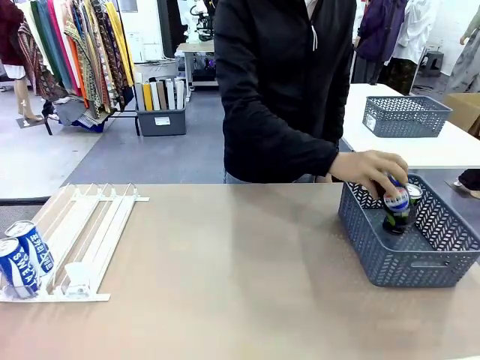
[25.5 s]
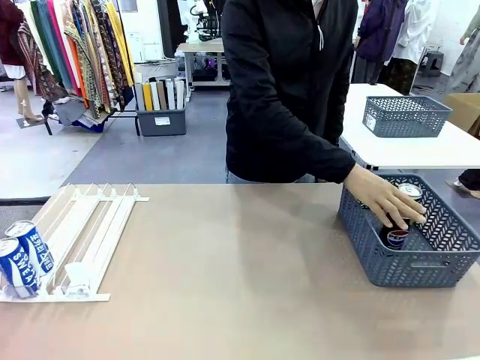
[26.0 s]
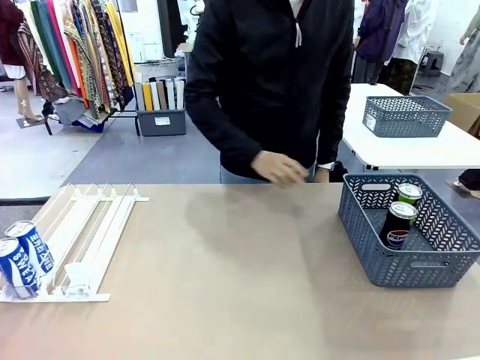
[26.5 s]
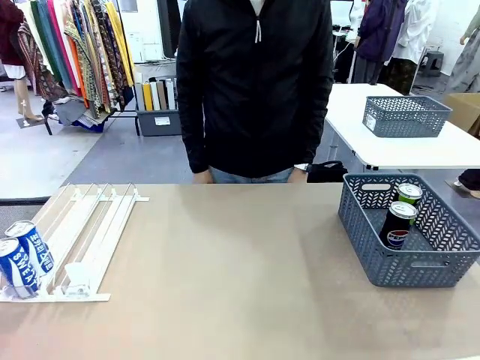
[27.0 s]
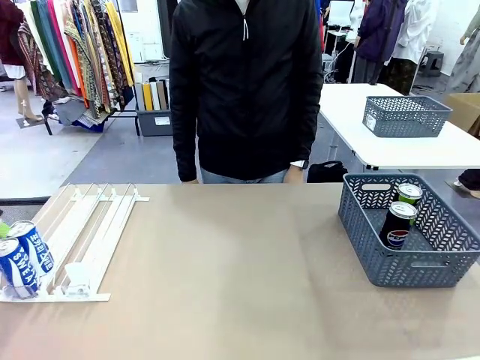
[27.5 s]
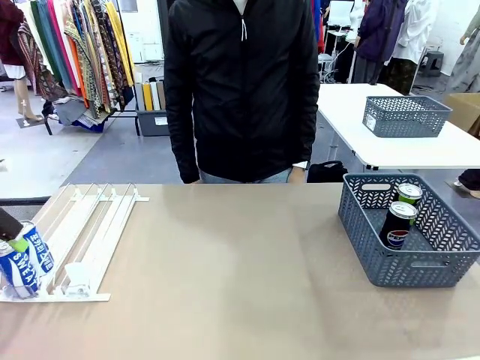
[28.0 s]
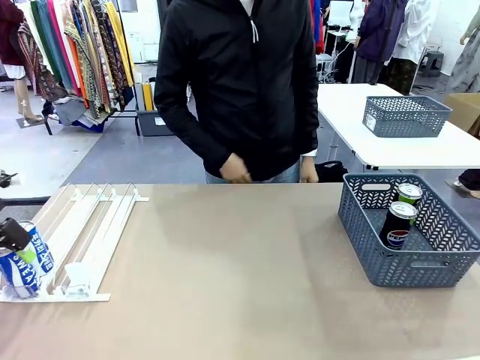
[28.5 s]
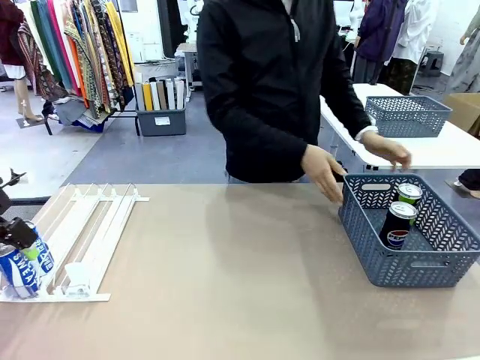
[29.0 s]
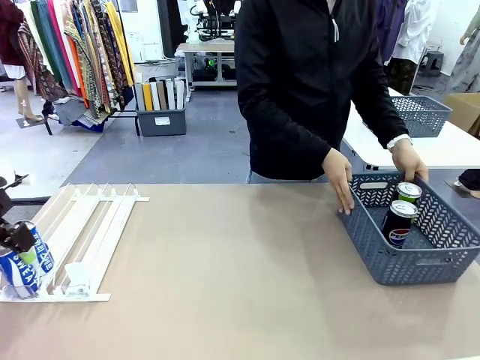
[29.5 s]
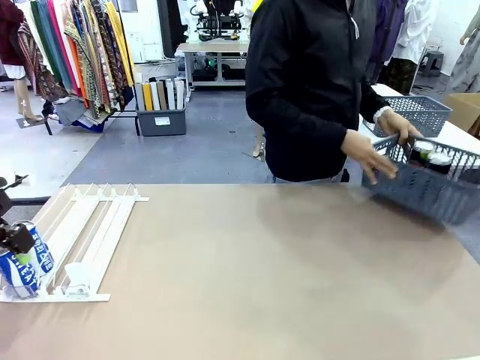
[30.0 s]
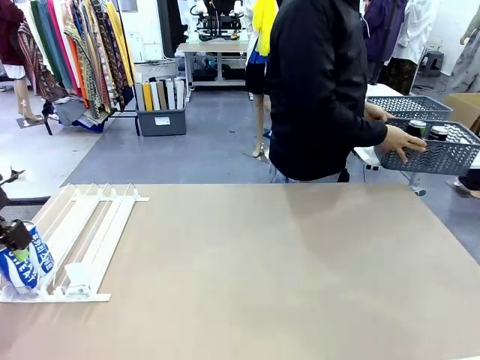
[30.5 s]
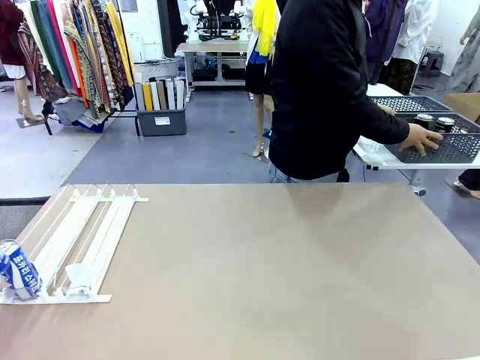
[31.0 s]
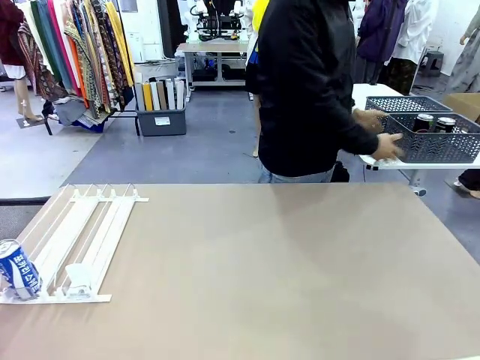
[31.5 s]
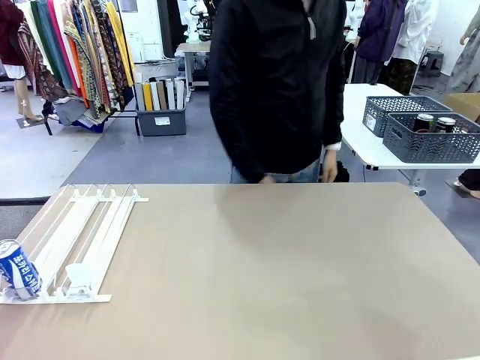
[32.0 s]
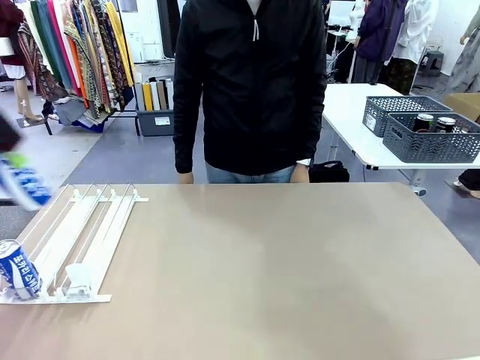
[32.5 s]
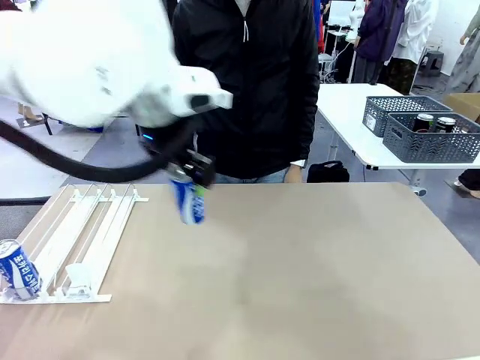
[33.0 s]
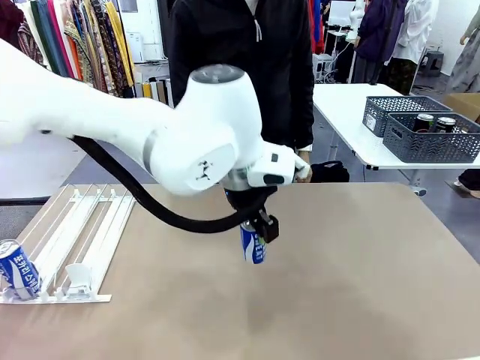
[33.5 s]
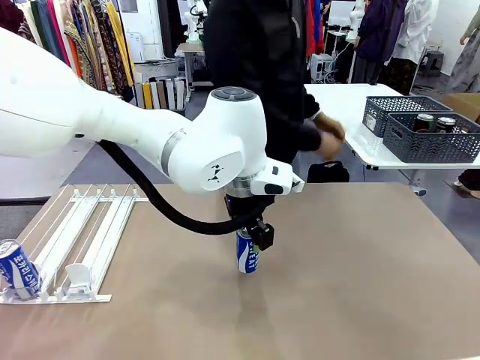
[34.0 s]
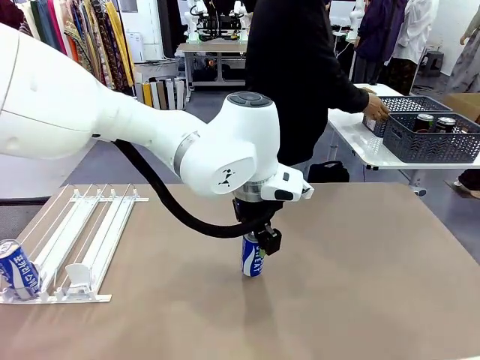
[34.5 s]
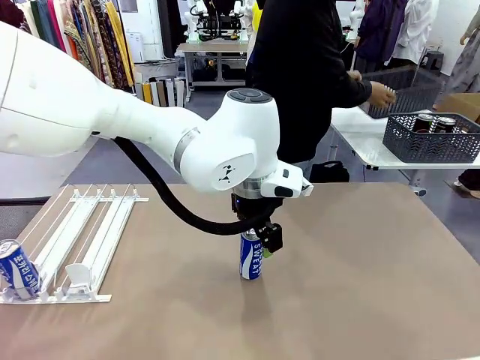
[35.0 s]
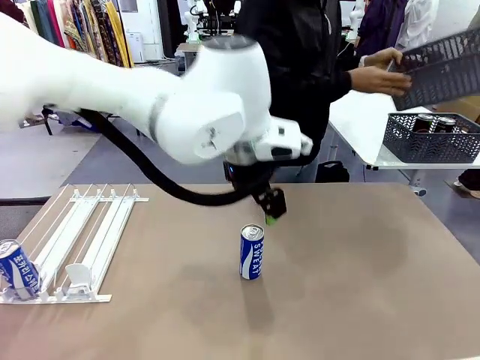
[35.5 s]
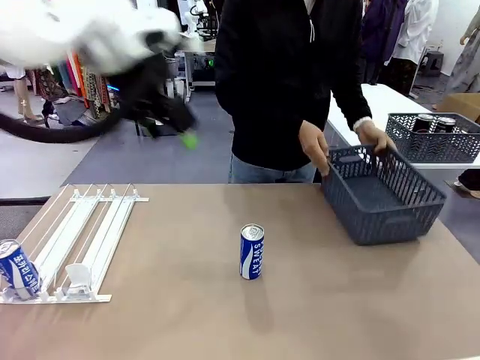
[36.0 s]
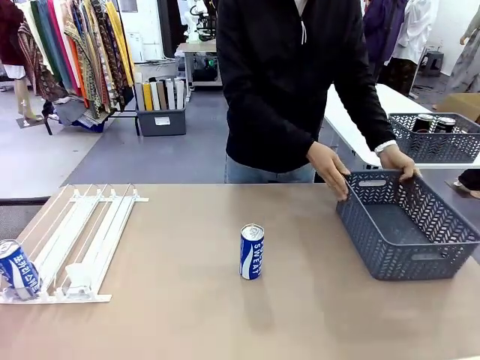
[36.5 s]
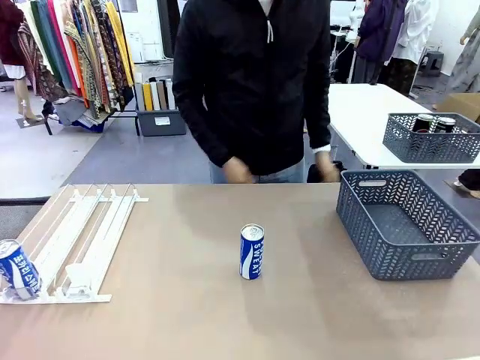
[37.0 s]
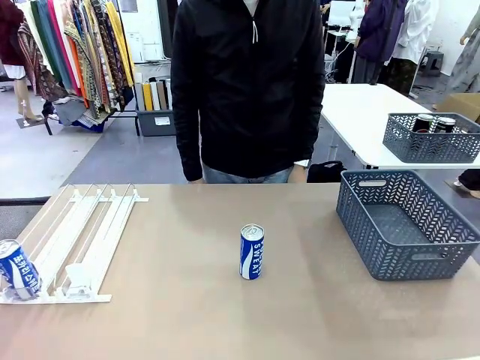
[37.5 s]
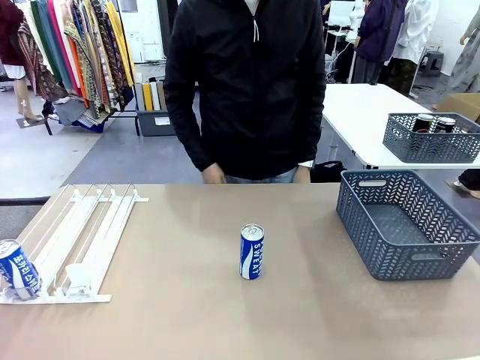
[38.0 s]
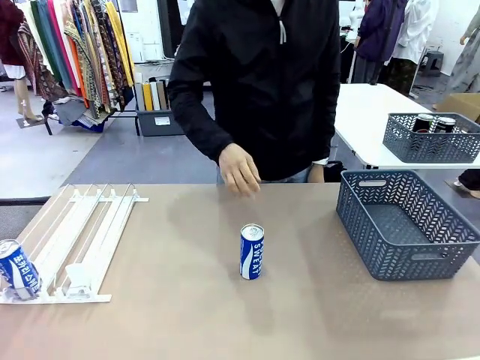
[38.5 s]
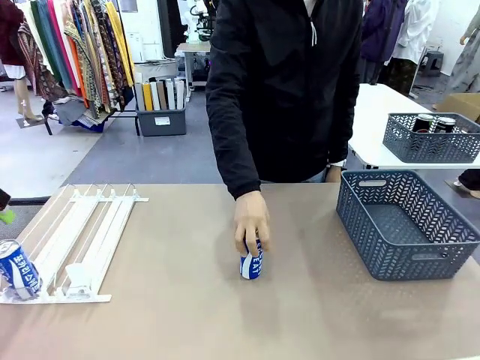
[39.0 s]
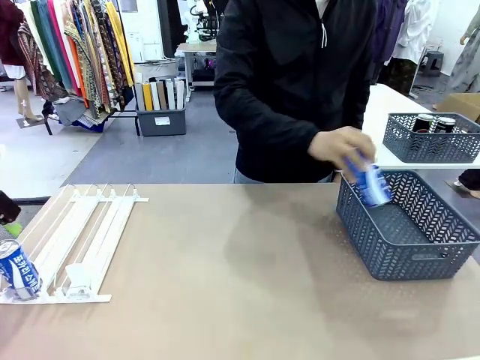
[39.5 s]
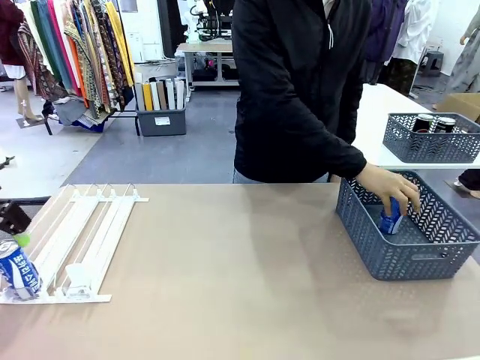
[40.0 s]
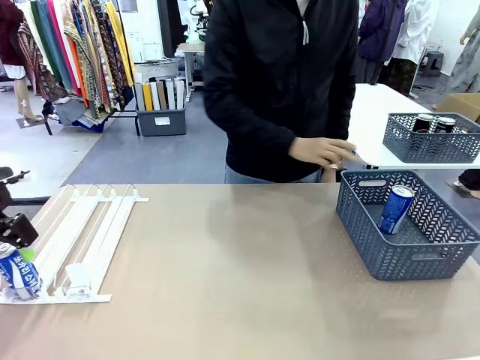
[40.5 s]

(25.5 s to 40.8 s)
Task: Retrieve and store the cans from the dispenser.
Robot: Pick up one can from the Automatic Can Dispenser and place it in the middle of the table.
Person: Pick up the basket and place it in the middle of the human table. Pick up the empty basket and place it on the left side of the robot table.

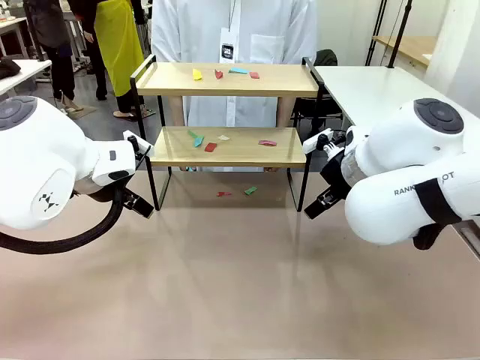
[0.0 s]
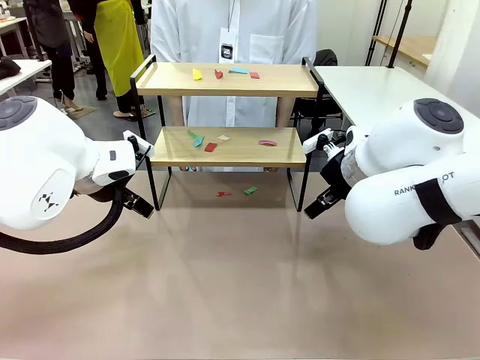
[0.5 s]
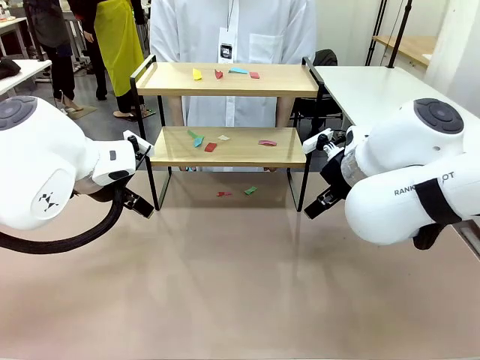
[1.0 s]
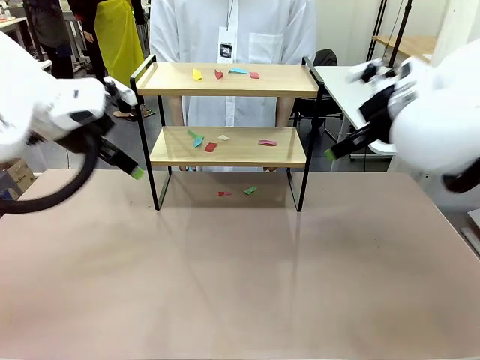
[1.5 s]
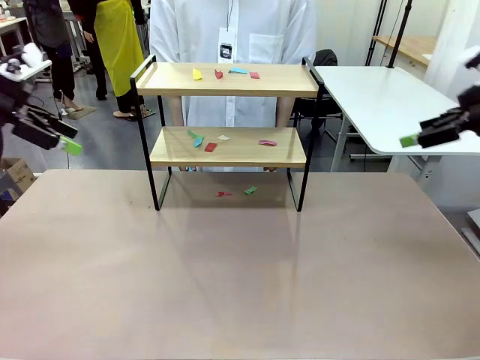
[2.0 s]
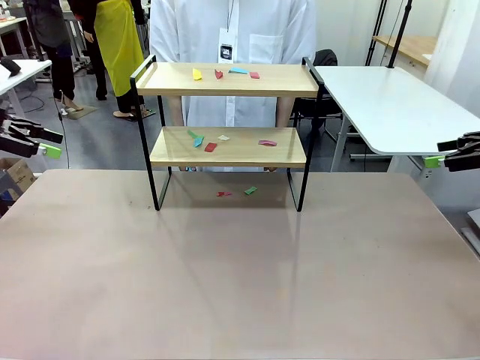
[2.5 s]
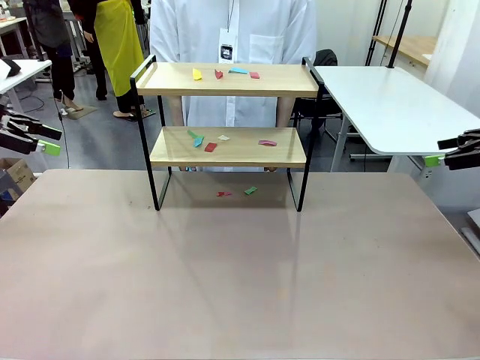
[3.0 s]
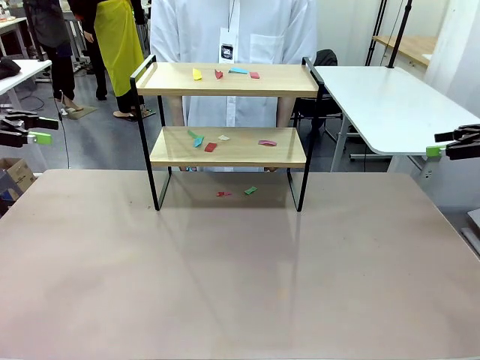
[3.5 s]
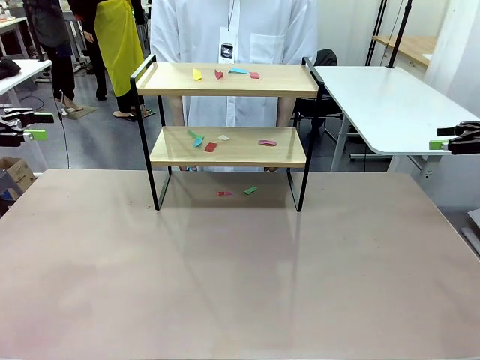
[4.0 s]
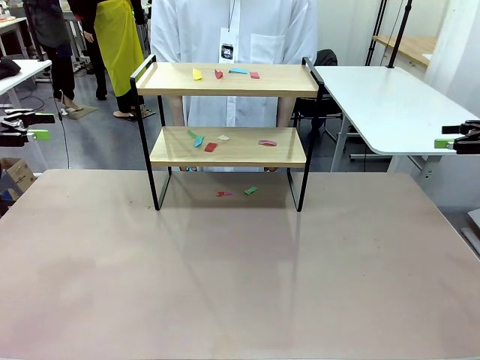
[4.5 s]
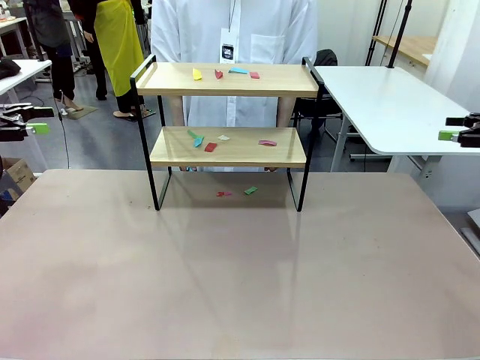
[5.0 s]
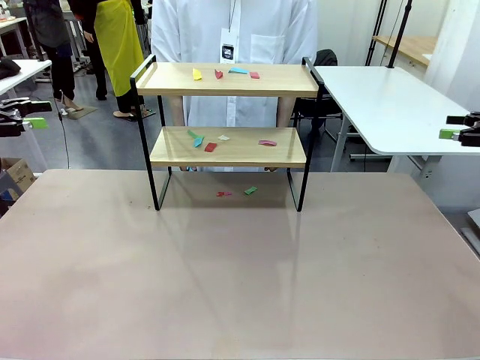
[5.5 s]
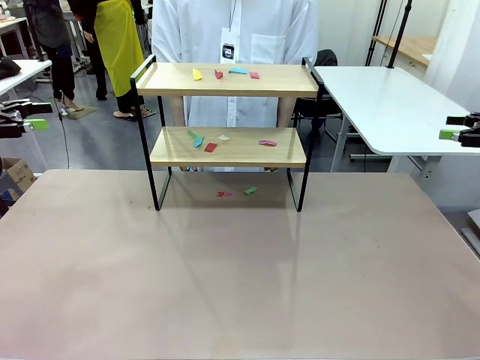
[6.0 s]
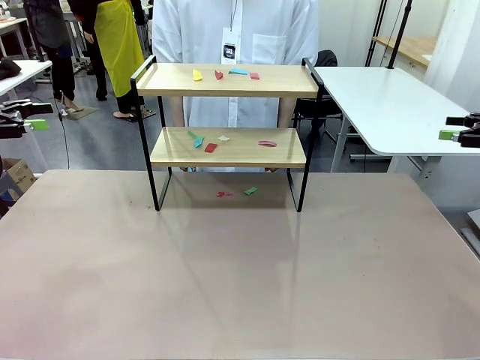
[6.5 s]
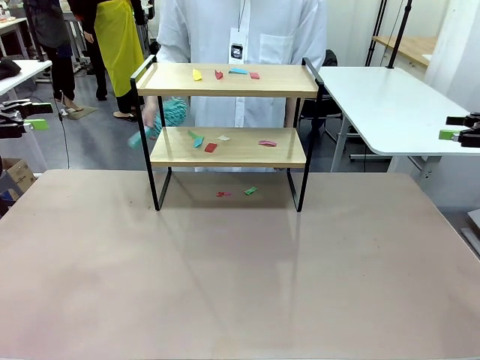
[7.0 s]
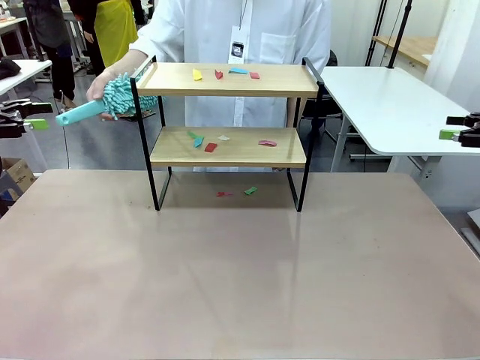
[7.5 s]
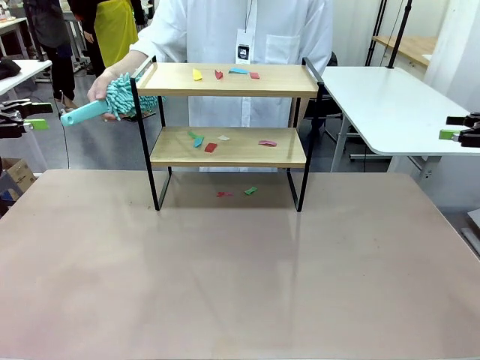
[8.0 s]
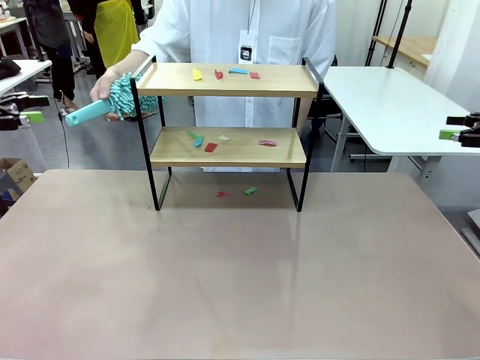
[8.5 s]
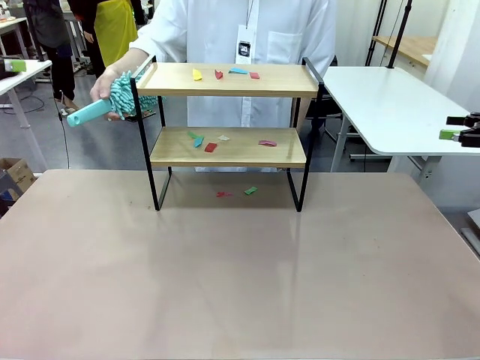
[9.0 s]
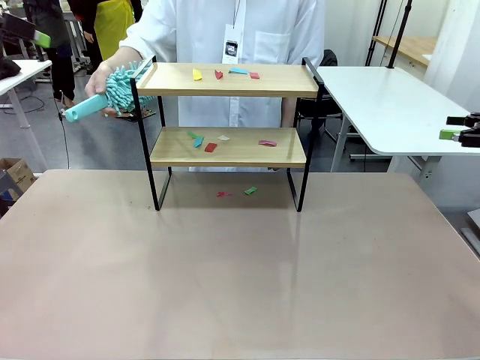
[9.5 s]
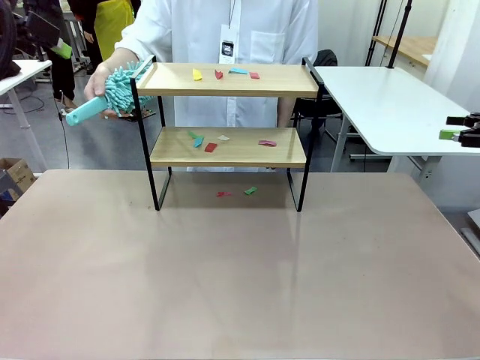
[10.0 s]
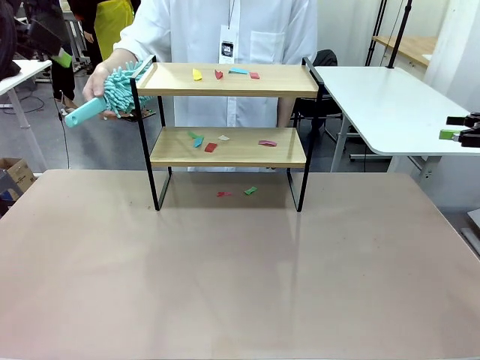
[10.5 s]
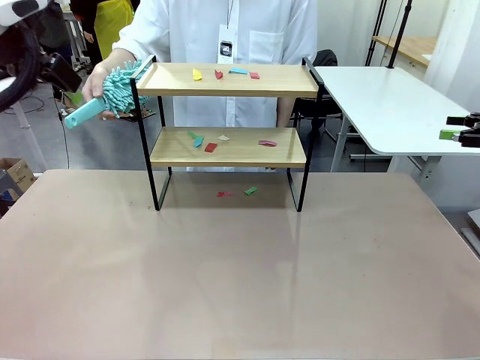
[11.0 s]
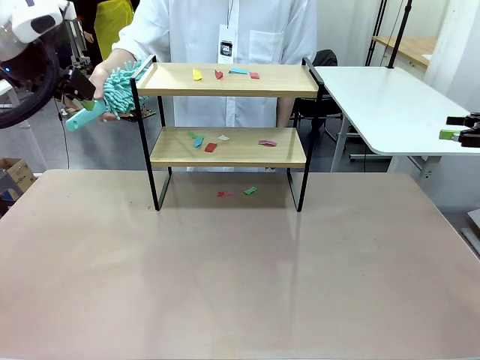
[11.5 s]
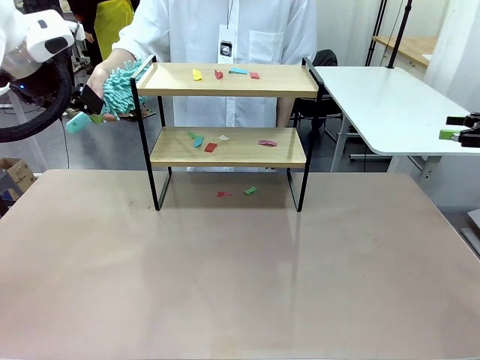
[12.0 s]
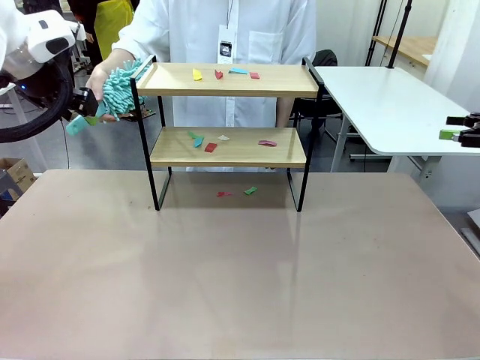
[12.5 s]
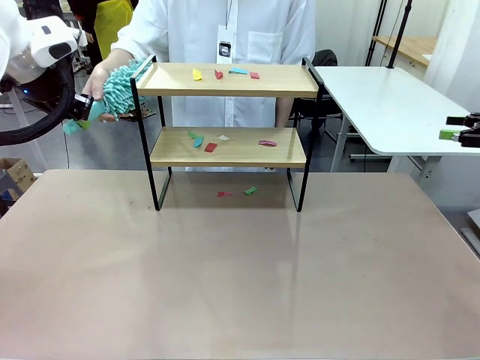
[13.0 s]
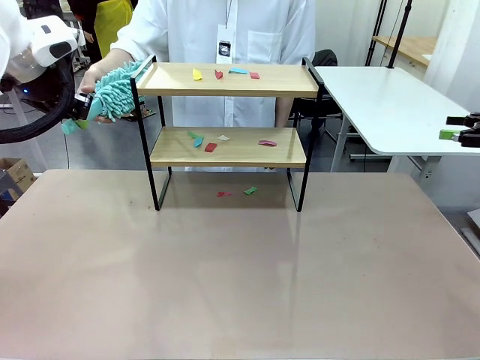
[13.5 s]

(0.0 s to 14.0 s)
Task: Clean the shelf.
Robot: Pick up the Duster handed by the human.
Person: Hand the Duster to the robot.
